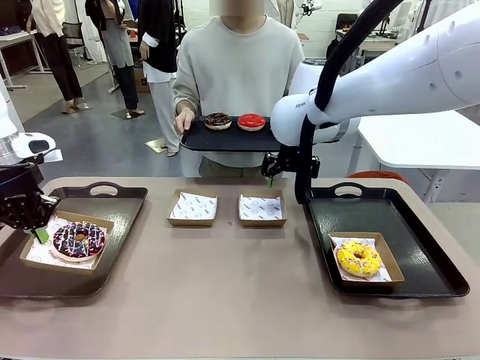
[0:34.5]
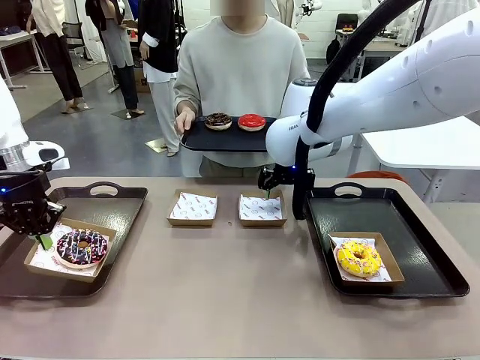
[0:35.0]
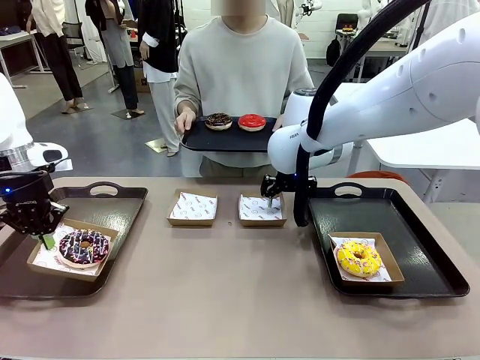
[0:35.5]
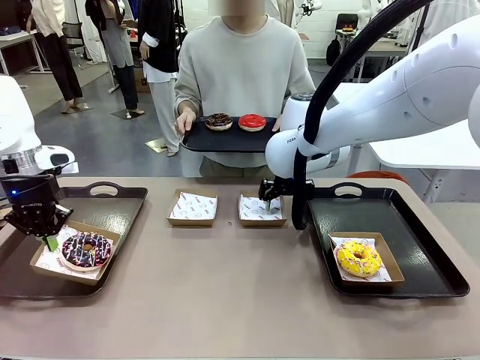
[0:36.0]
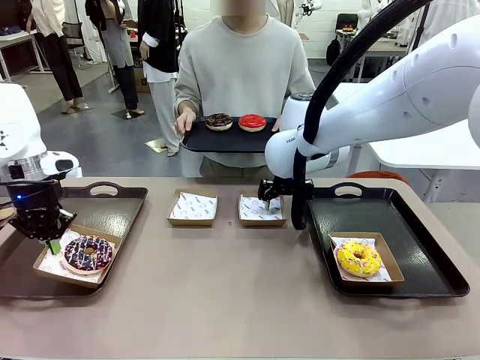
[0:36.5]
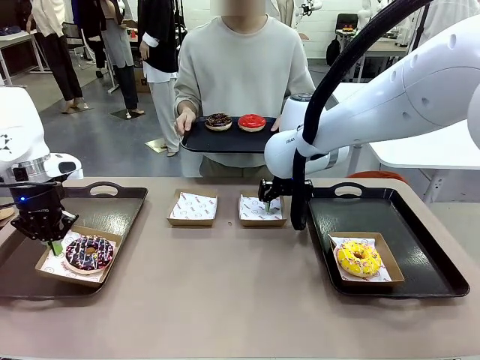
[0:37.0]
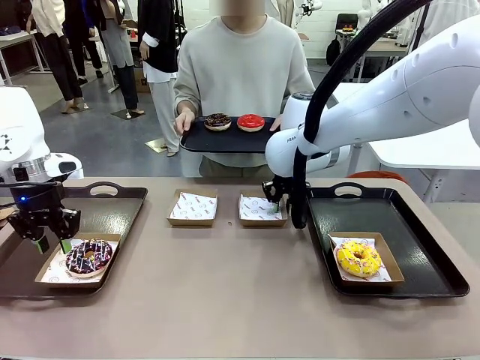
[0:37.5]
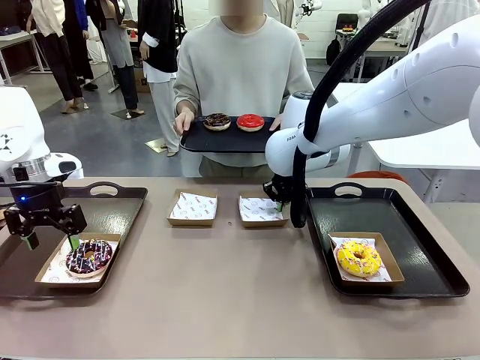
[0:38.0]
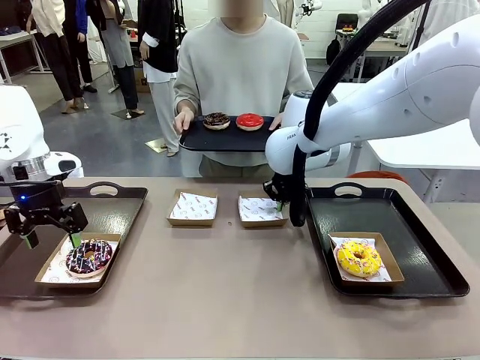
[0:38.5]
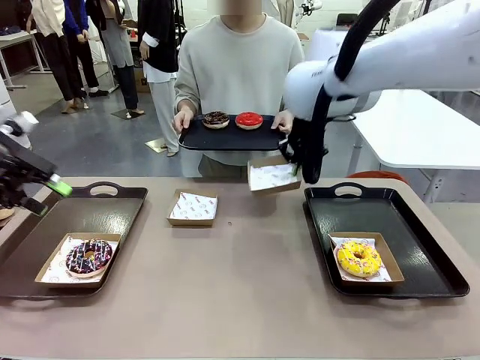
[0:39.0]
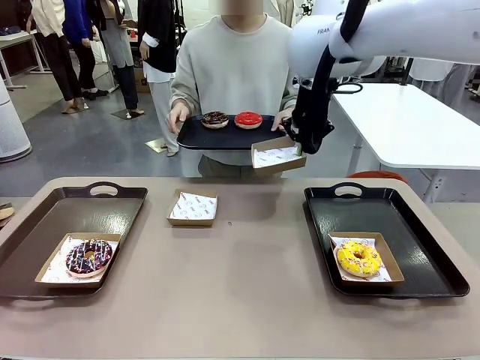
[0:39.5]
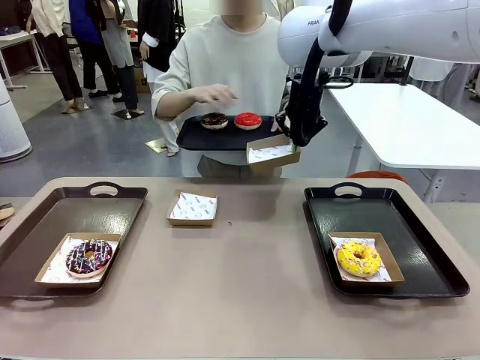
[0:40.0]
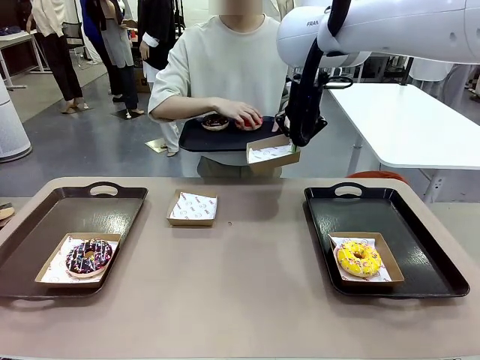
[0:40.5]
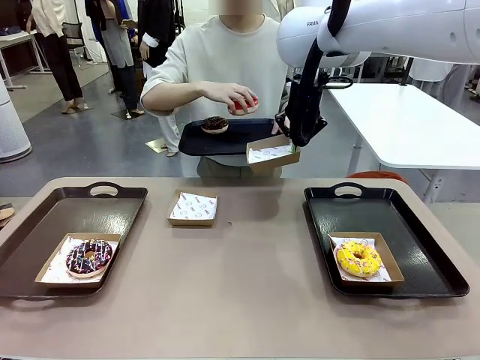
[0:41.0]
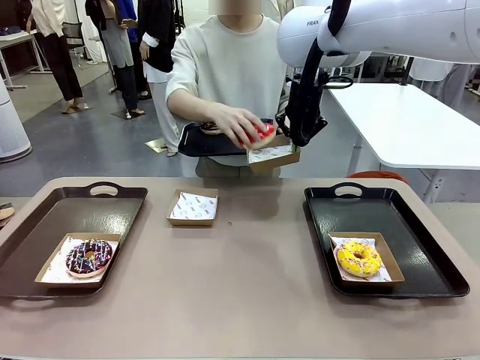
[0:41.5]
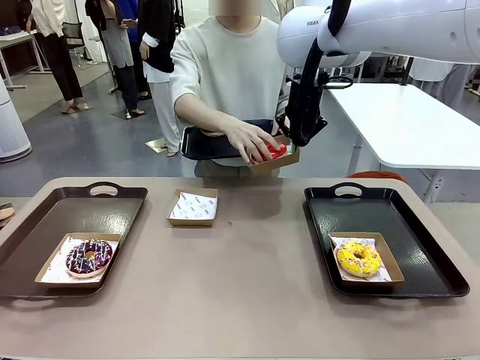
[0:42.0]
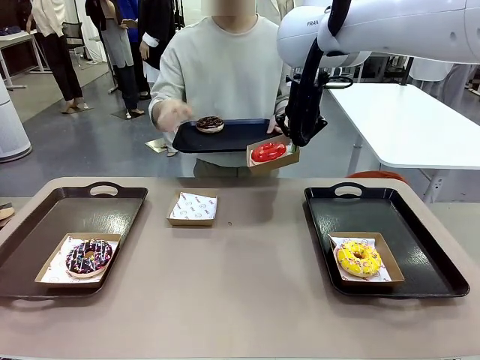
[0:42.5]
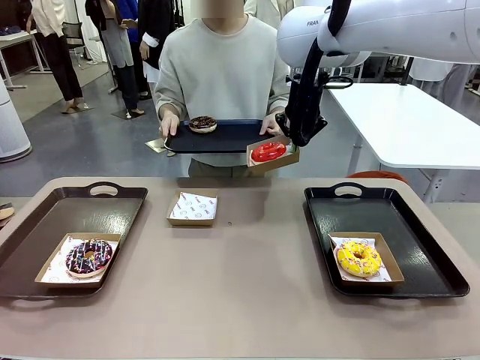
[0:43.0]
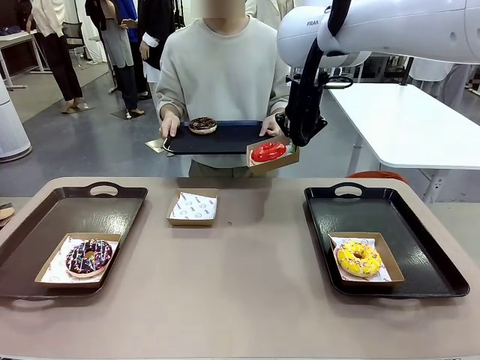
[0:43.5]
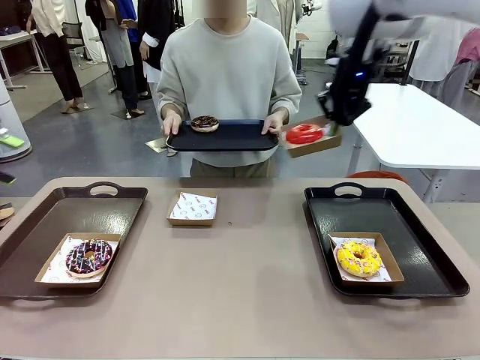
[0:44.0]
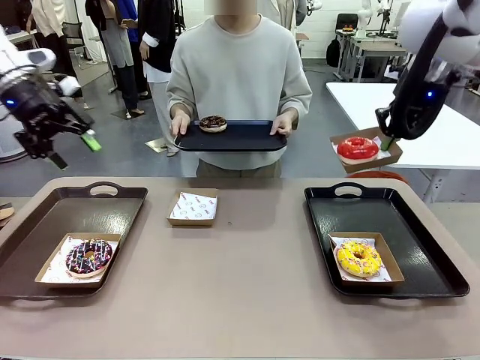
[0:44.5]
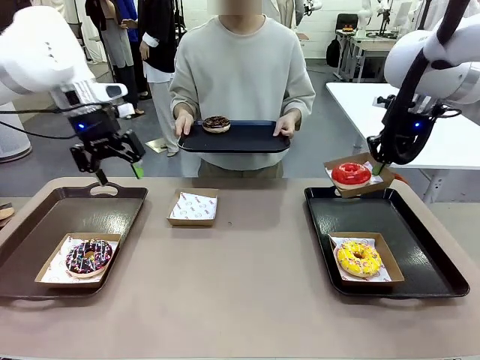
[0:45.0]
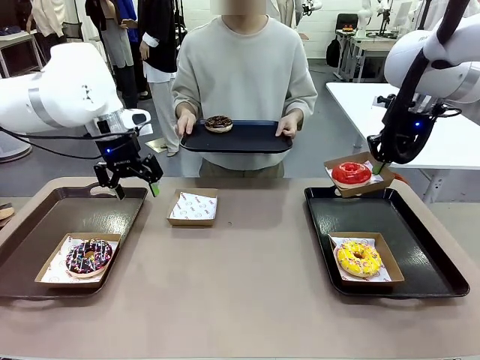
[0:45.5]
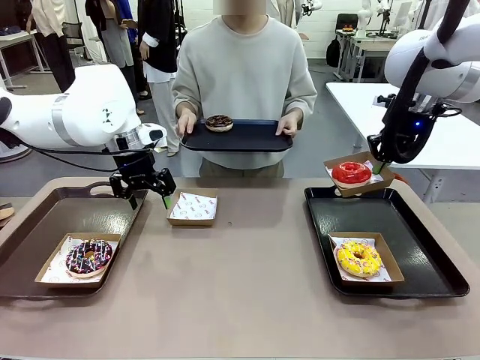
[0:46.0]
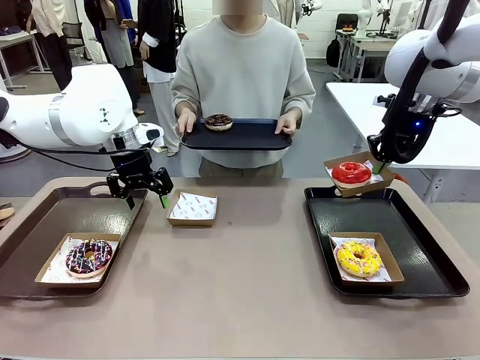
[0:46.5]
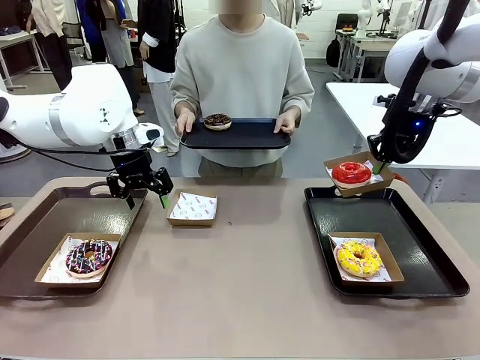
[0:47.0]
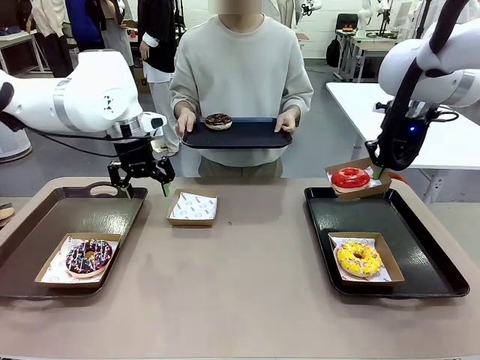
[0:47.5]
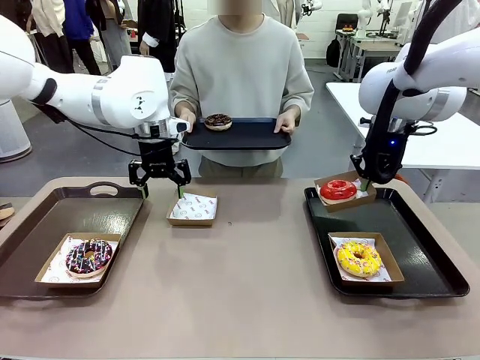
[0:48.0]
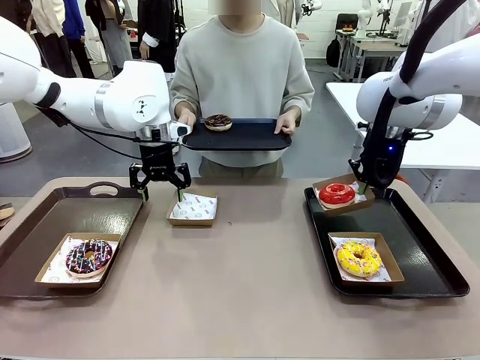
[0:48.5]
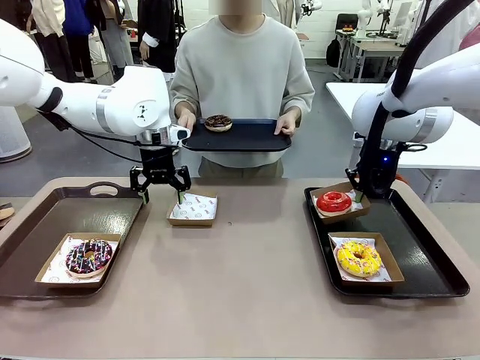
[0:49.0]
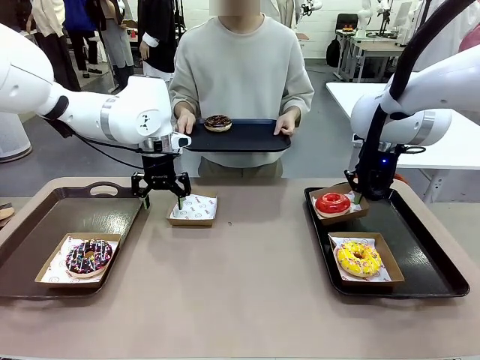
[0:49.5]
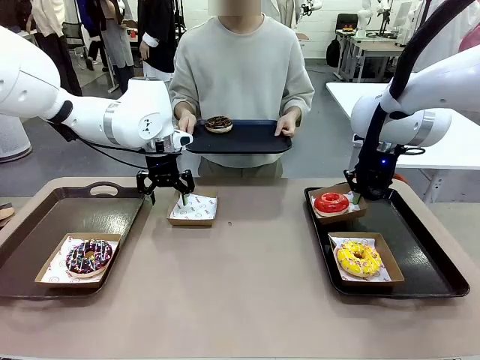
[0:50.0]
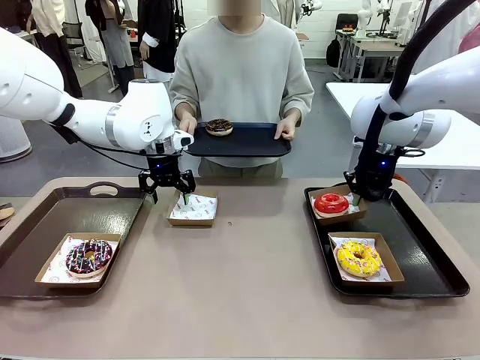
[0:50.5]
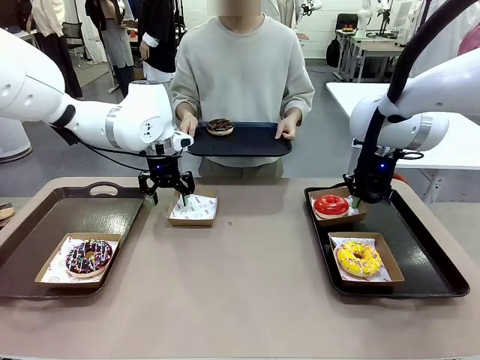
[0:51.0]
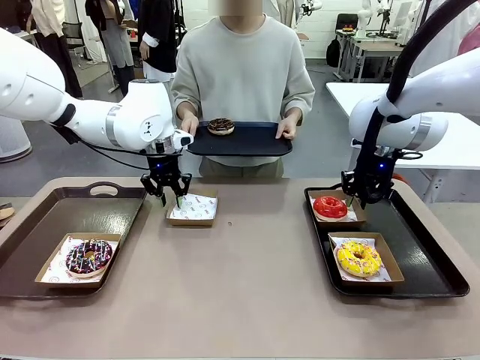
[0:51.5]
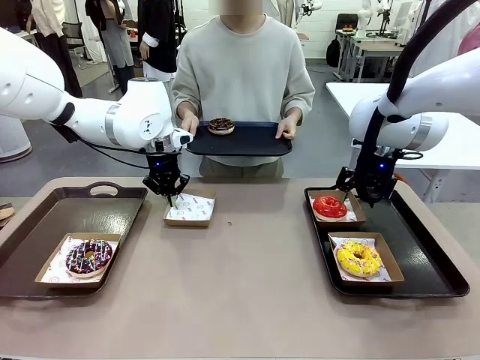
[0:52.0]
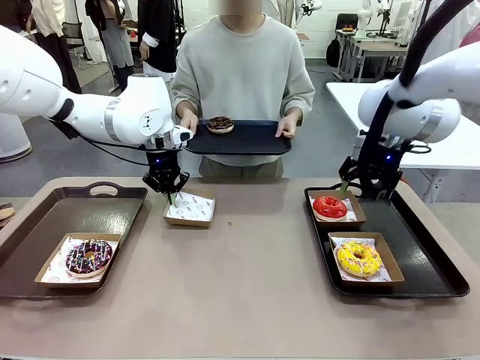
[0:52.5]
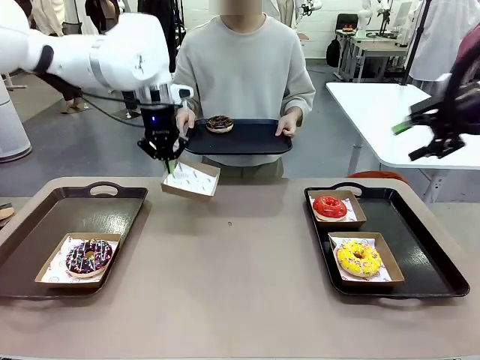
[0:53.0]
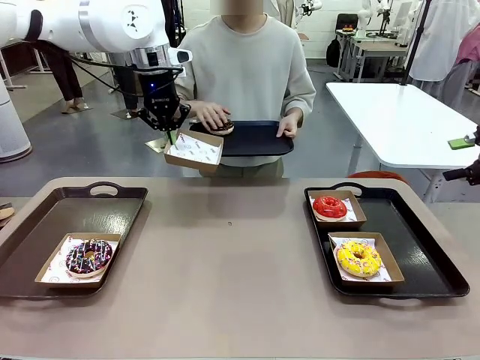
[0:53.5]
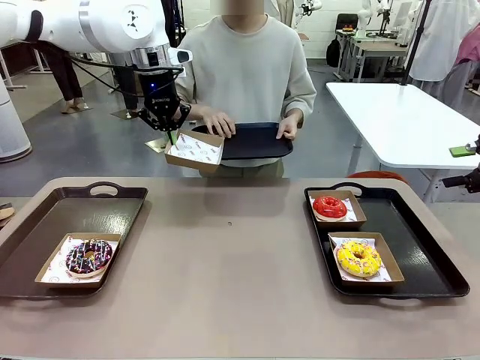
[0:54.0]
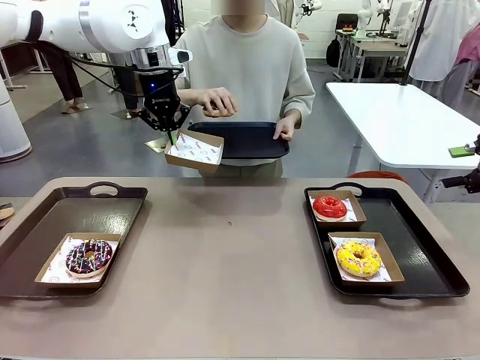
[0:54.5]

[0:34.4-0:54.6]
Task: Individually package the donuts and arrange them on the tray.
Robot: Place the picked Paper togo box on the Handle tray while simultaneously picking up another Paper togo box from the table with the other hand.

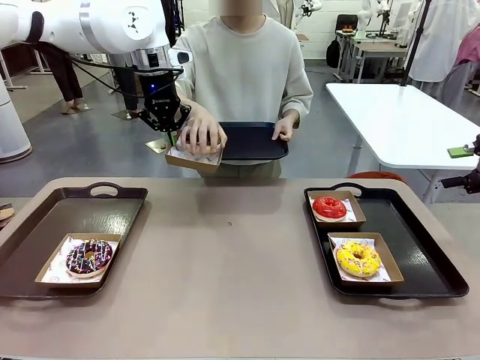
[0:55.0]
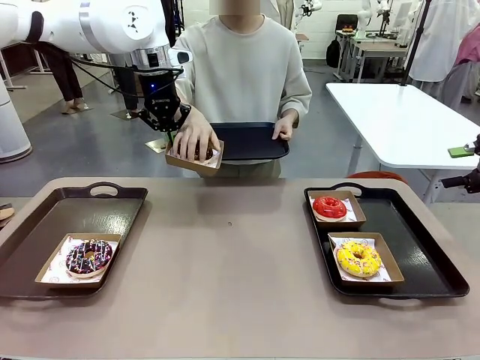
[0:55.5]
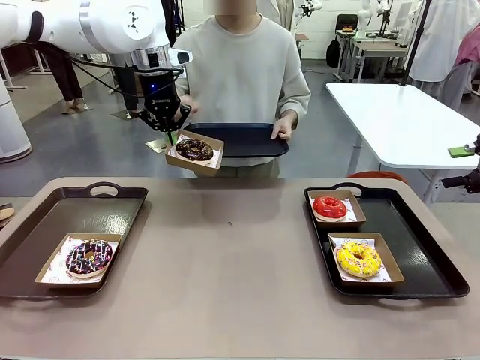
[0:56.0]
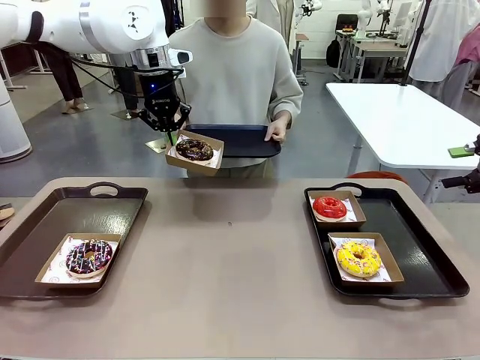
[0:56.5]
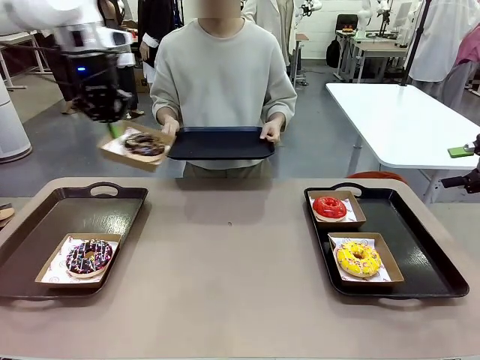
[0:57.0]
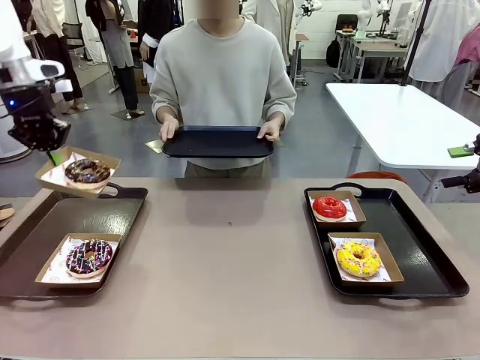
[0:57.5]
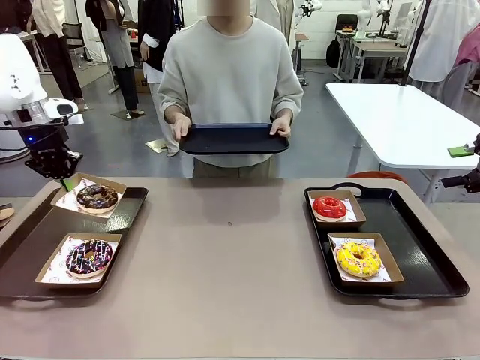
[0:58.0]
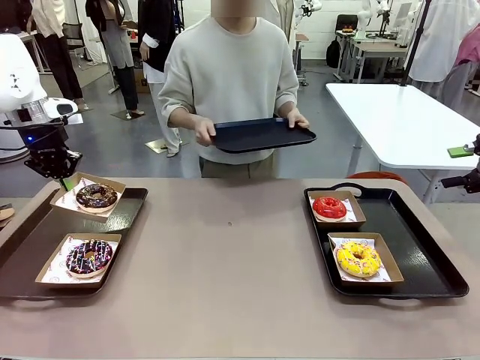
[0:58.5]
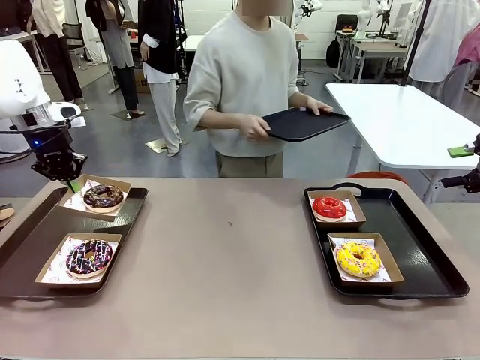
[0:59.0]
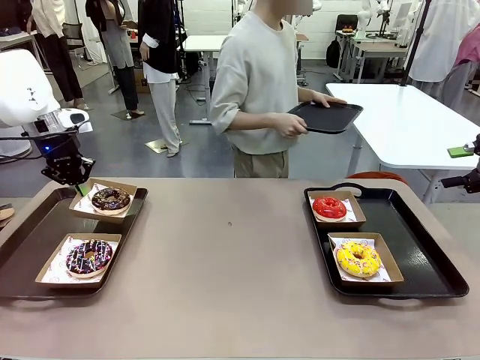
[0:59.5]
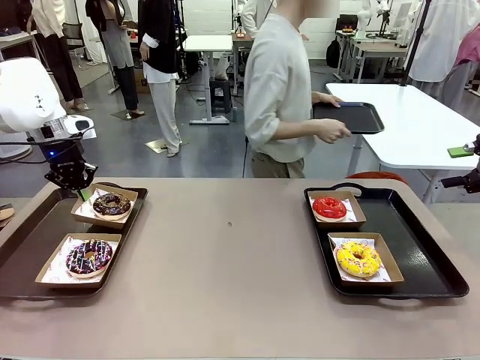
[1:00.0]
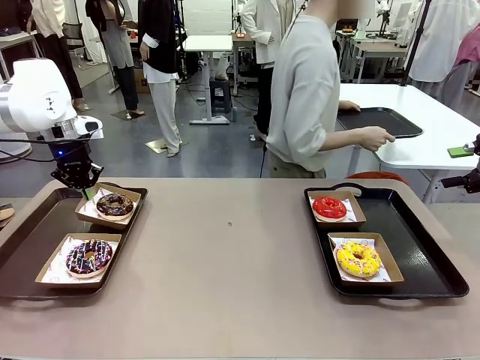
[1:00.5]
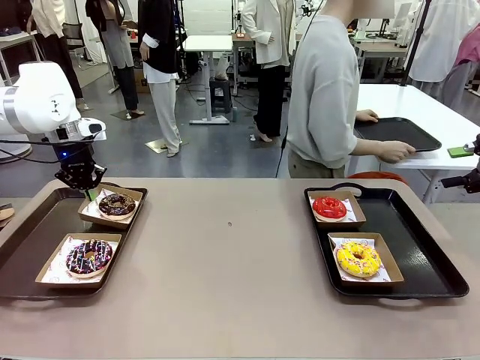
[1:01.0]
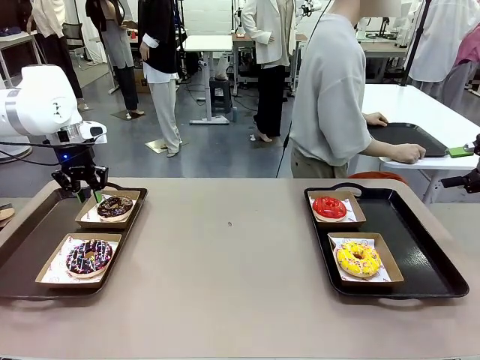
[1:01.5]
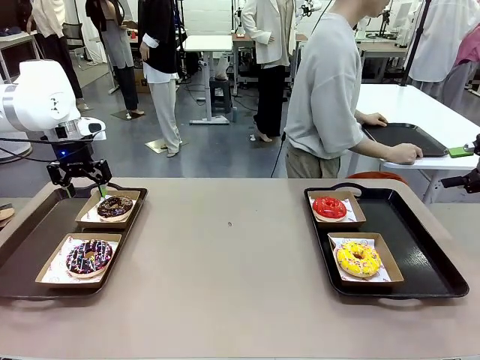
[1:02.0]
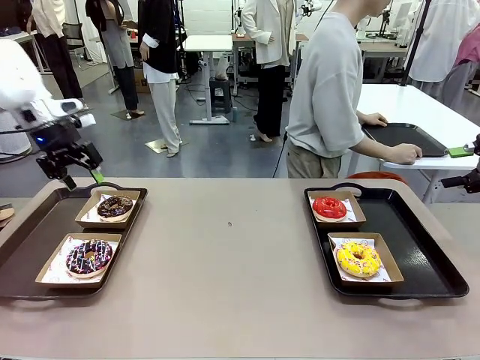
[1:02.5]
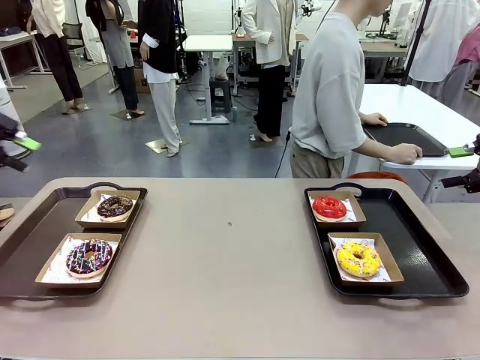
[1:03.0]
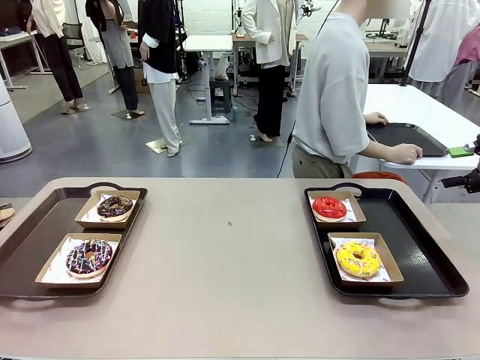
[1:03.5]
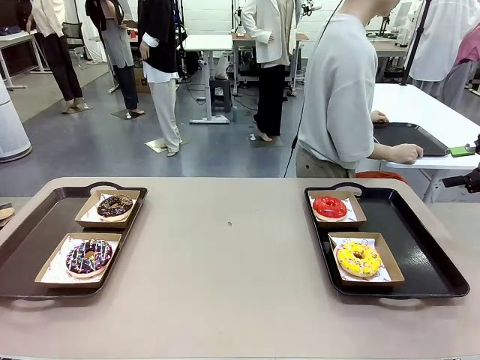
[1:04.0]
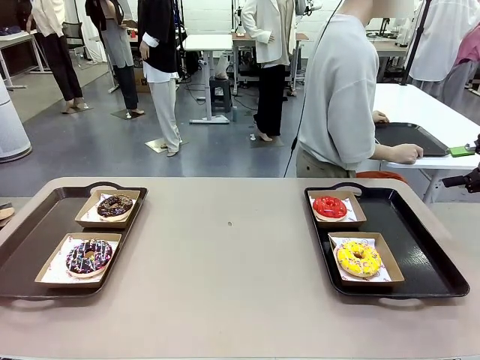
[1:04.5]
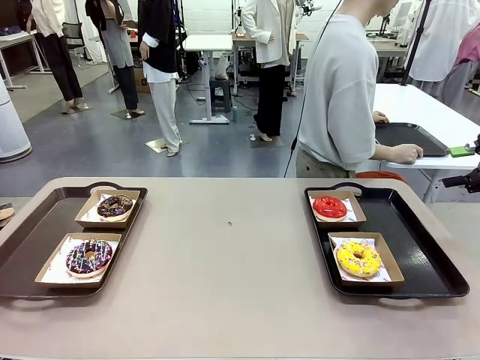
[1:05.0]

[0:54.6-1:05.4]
Robot: Place the picked Paper togo box on the Handle tray.
Person: Place the tray down in the middle of the human table.
